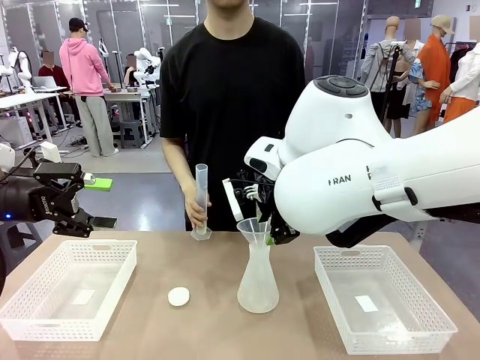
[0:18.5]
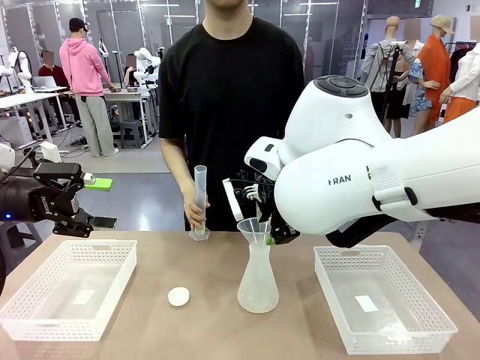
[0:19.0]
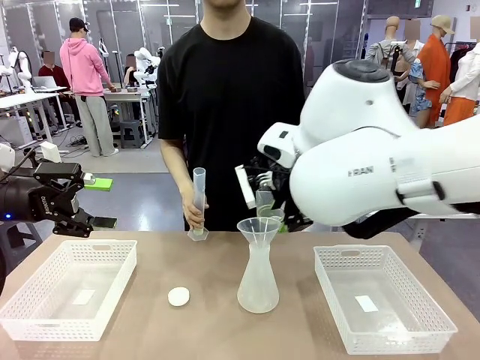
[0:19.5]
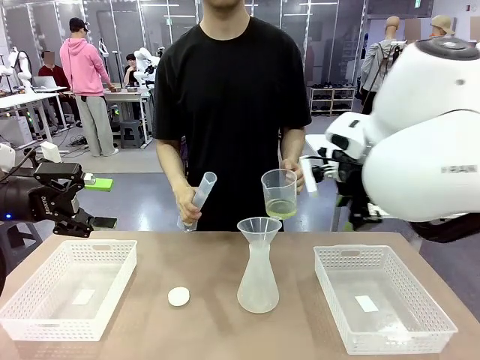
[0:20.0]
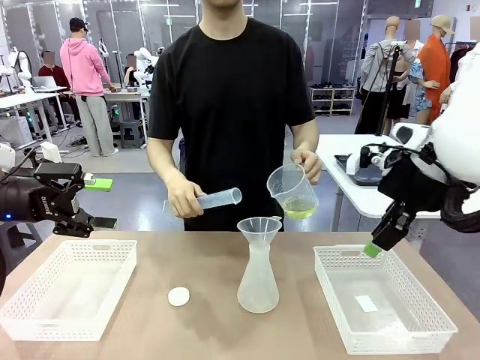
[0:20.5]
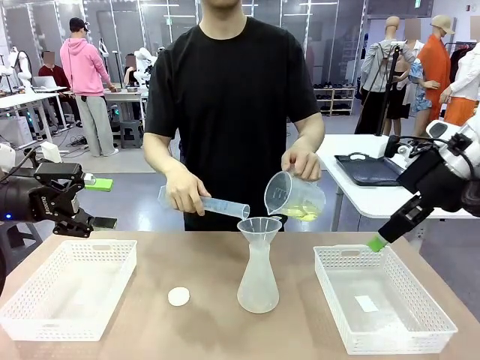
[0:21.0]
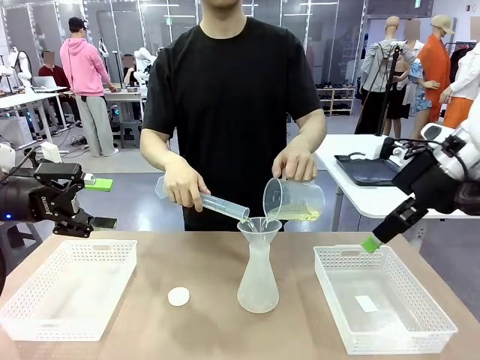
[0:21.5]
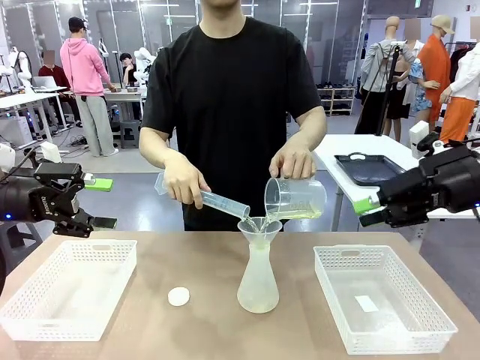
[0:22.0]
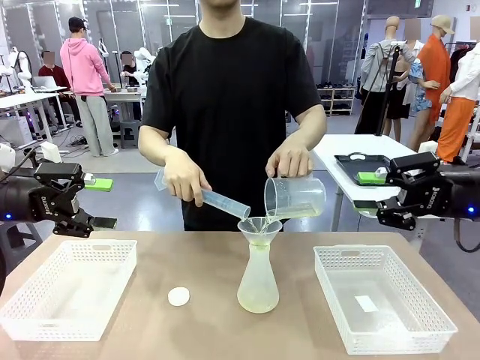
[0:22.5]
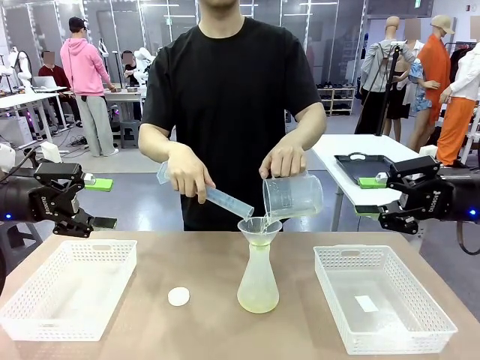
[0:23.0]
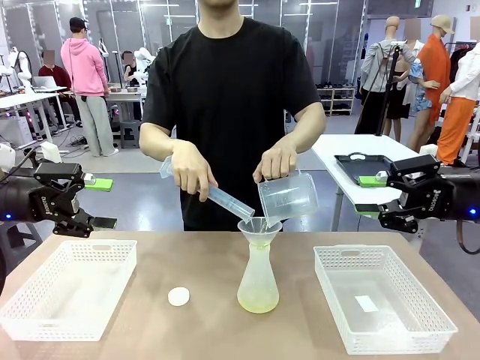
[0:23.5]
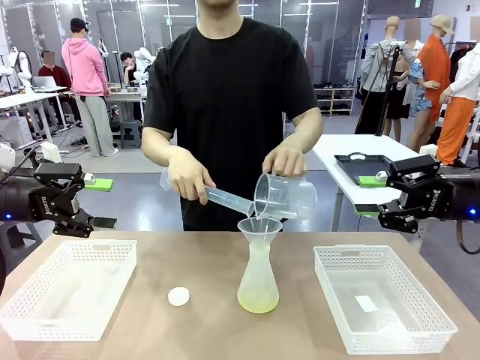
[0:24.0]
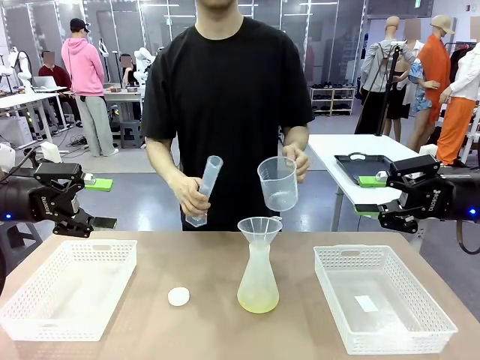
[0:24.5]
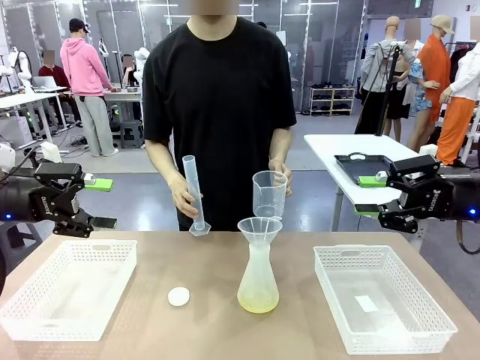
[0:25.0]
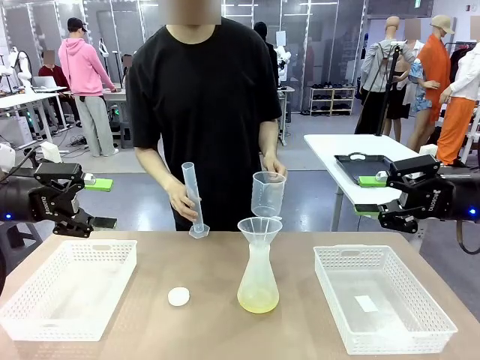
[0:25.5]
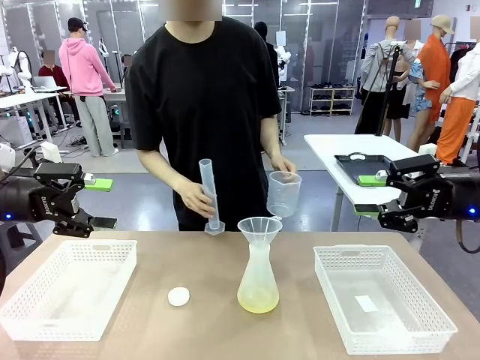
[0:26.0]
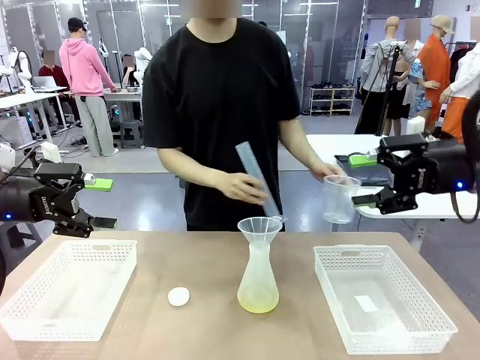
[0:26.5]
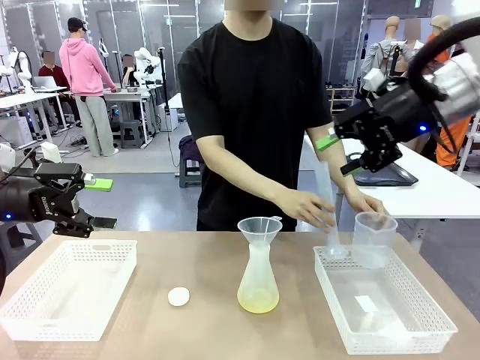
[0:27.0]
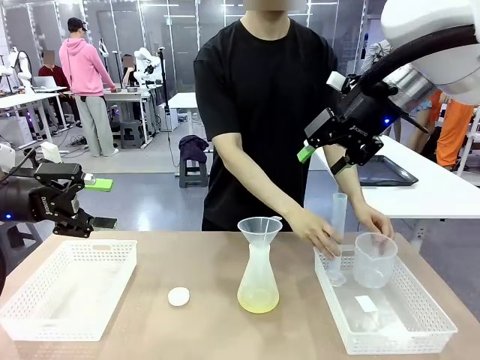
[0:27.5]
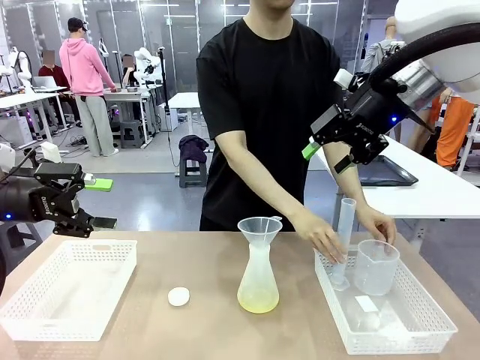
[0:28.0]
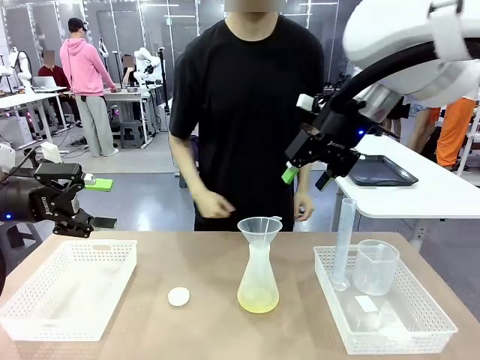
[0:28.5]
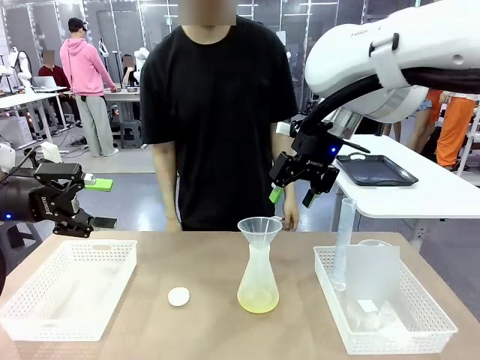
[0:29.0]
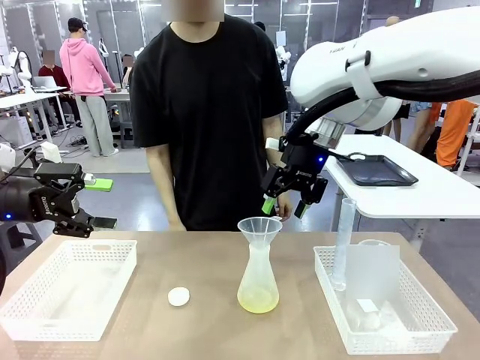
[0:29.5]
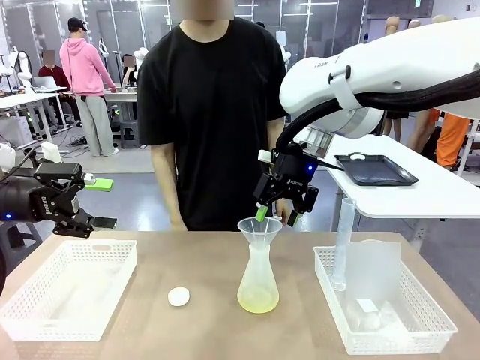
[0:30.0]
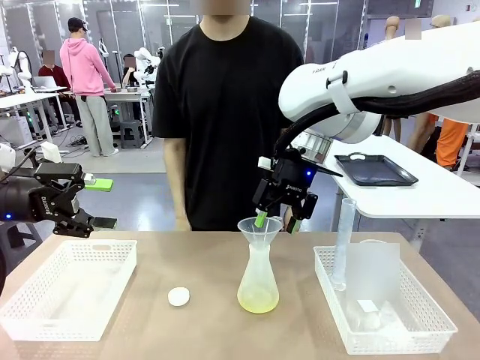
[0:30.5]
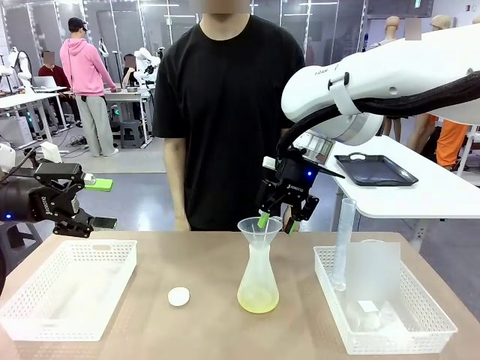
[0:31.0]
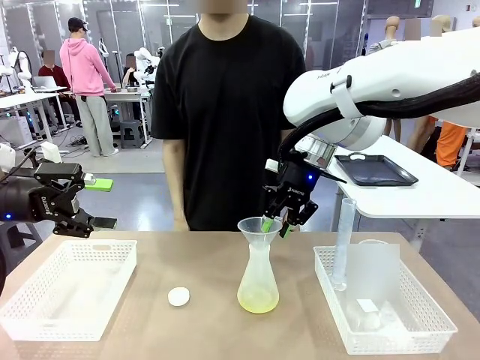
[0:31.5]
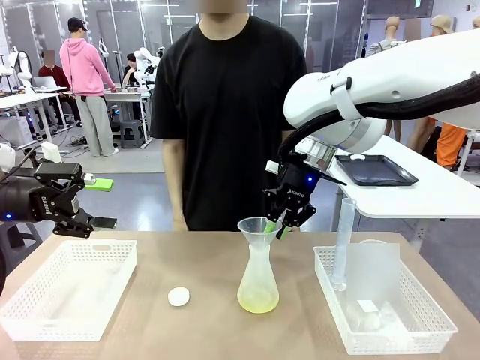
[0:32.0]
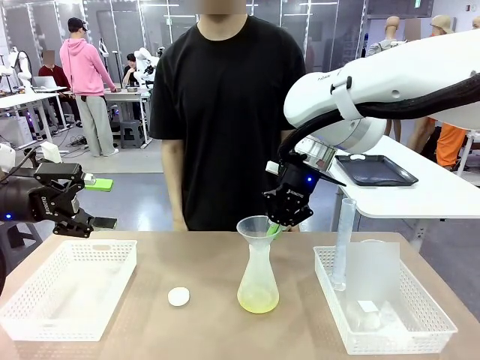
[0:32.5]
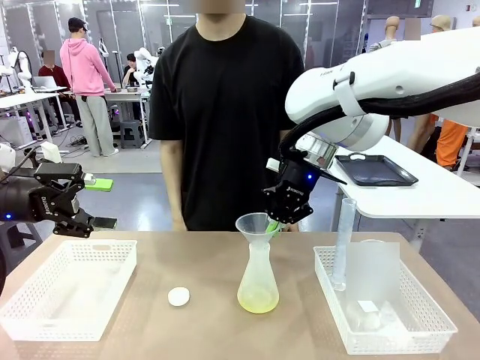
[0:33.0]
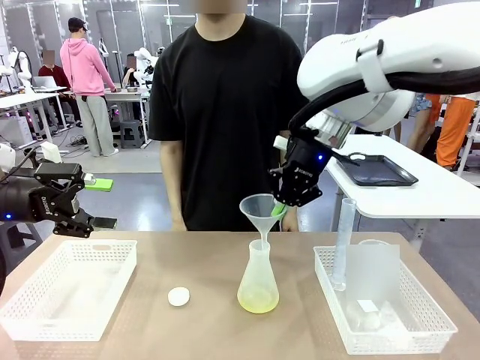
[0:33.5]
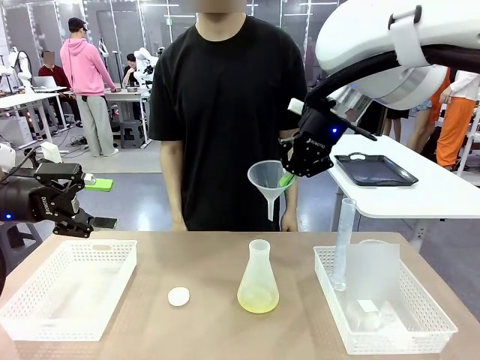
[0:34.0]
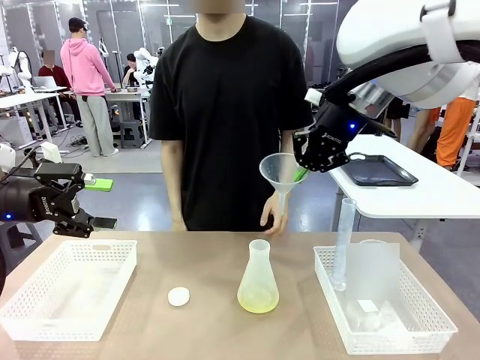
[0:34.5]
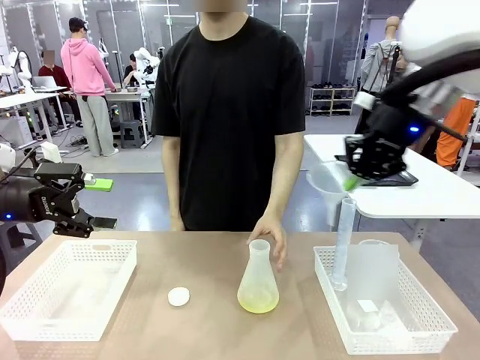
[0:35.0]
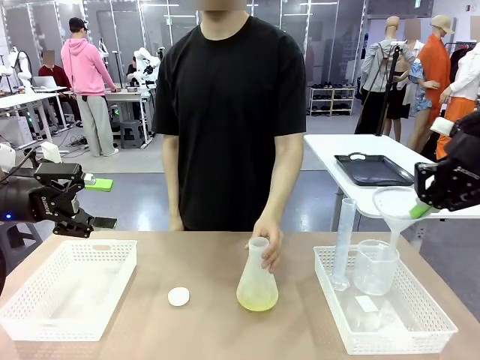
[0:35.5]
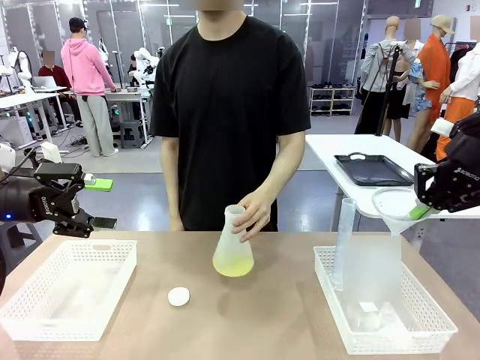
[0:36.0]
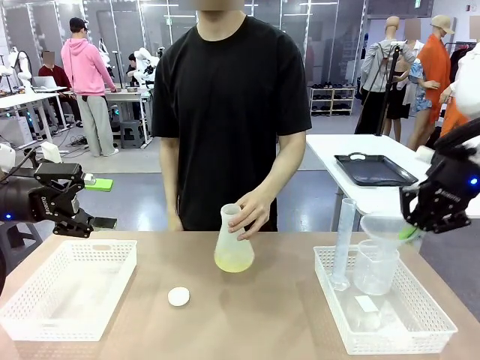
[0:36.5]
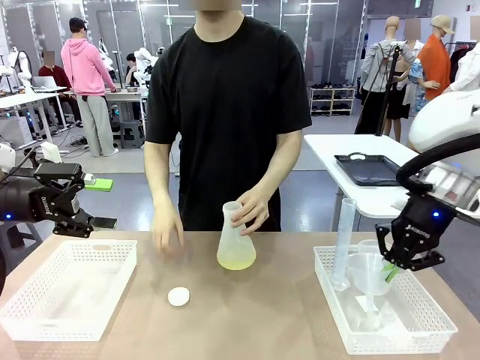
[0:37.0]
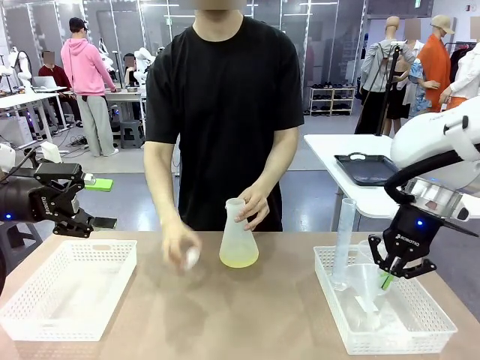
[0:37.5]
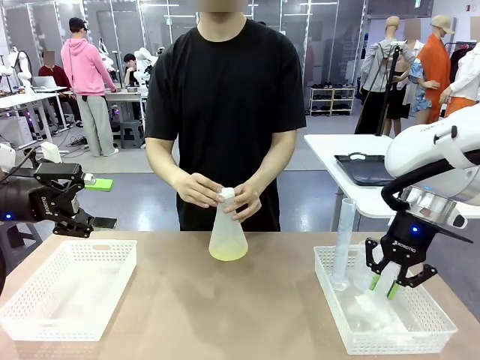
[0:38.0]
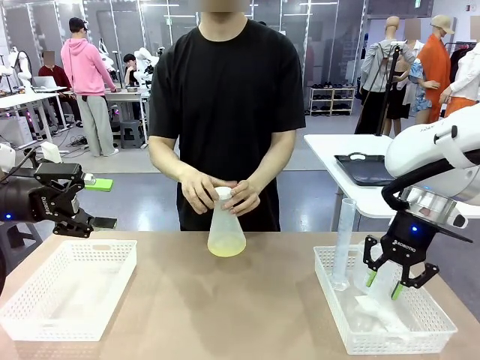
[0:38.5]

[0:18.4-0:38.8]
Task: Prepare the solutions needed for the experiment.
Robot: Once the solution is in the Big flask , pick up the Plastic Funnel and place it back into the right Organizing basket.
Person: Place the beaker and the cylinder into the organizing basket on the left side. Pick up the flask, gently shake it 2–3 times, place it in the middle of the robot table, and close the lid.
